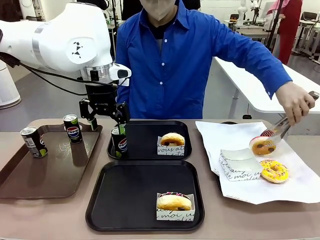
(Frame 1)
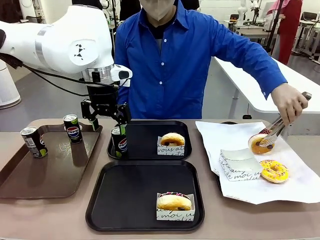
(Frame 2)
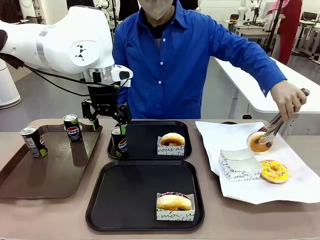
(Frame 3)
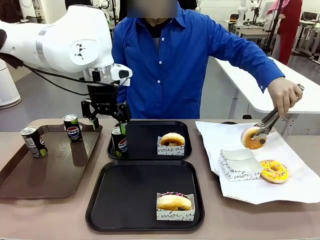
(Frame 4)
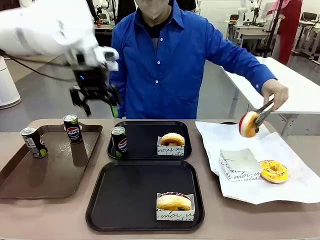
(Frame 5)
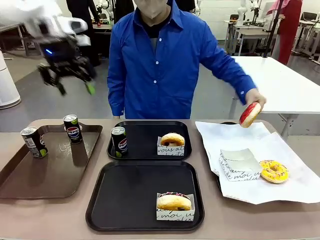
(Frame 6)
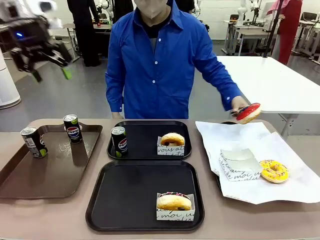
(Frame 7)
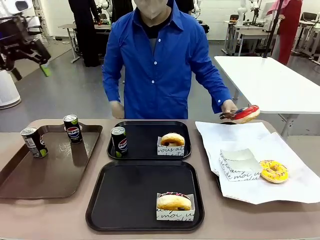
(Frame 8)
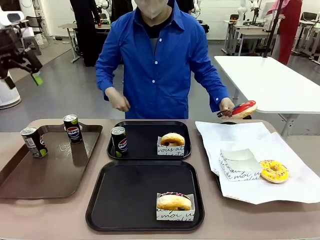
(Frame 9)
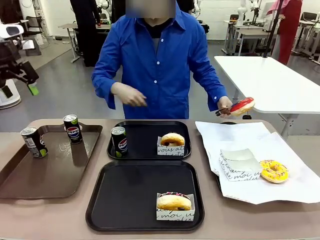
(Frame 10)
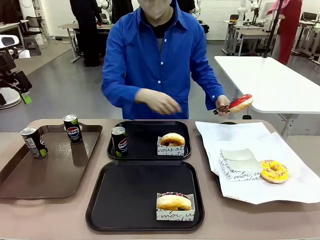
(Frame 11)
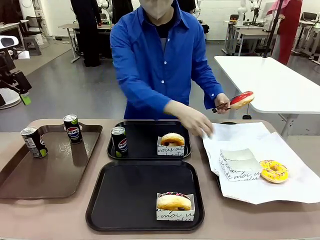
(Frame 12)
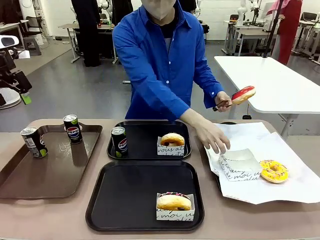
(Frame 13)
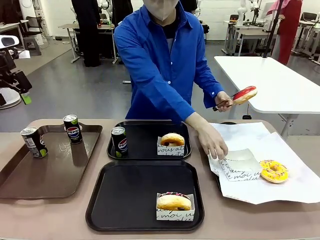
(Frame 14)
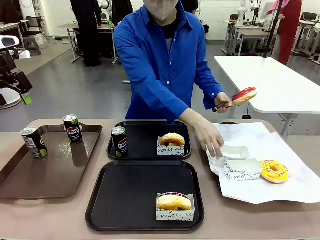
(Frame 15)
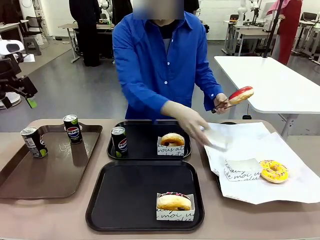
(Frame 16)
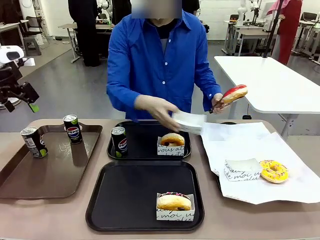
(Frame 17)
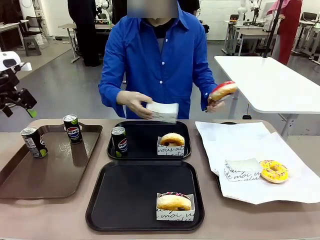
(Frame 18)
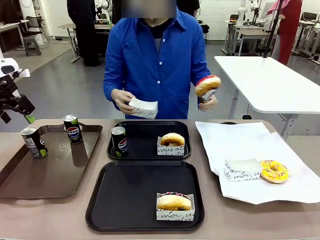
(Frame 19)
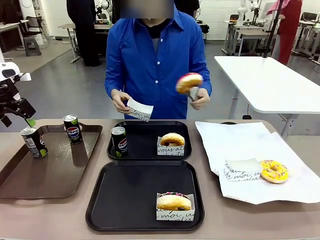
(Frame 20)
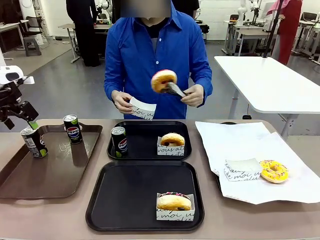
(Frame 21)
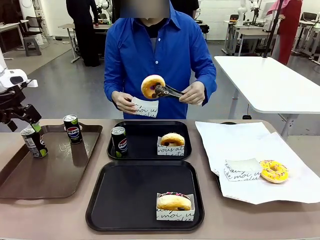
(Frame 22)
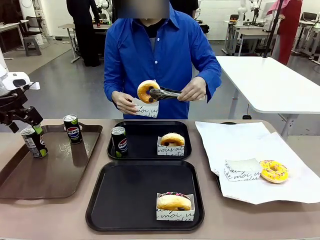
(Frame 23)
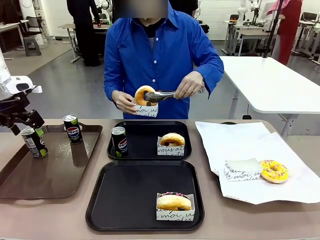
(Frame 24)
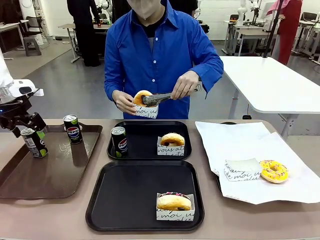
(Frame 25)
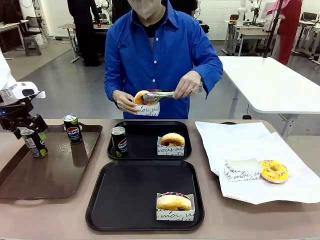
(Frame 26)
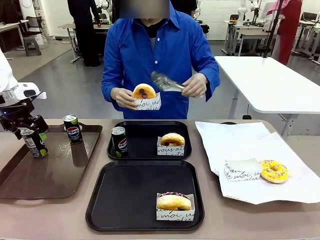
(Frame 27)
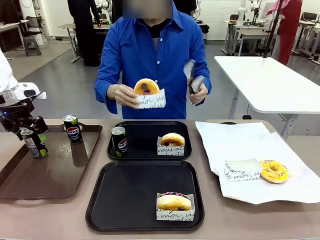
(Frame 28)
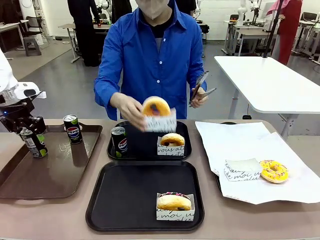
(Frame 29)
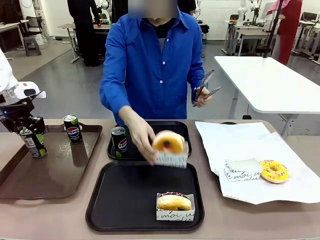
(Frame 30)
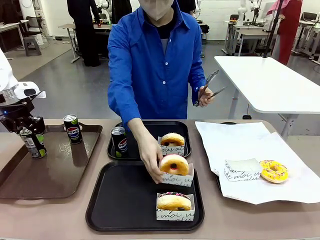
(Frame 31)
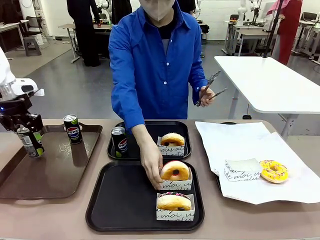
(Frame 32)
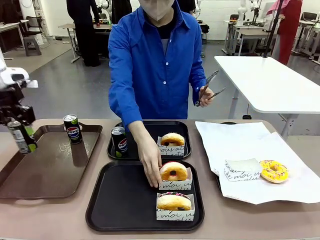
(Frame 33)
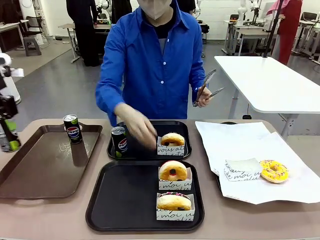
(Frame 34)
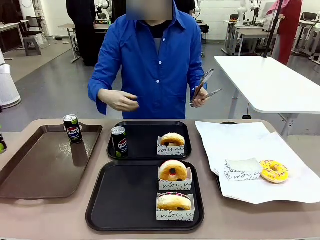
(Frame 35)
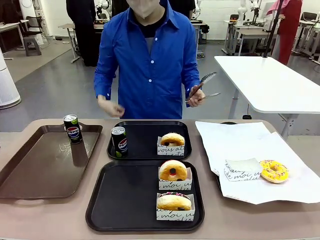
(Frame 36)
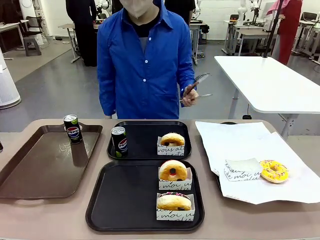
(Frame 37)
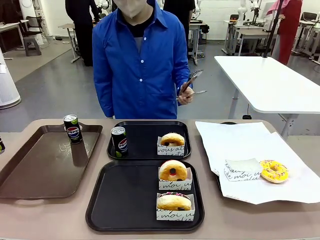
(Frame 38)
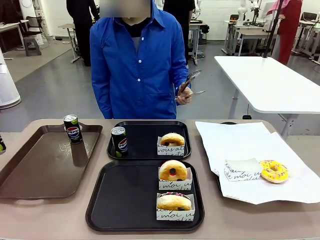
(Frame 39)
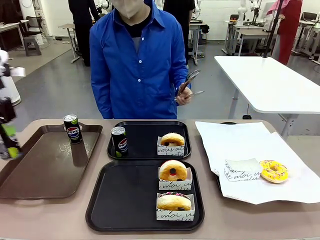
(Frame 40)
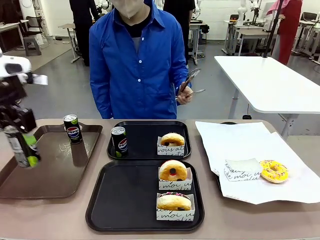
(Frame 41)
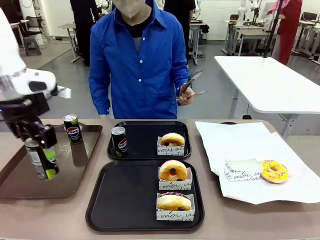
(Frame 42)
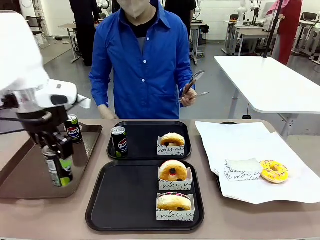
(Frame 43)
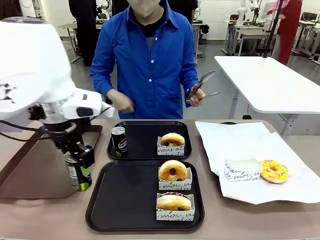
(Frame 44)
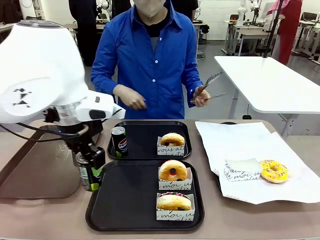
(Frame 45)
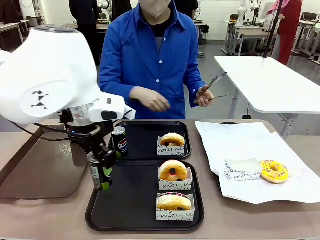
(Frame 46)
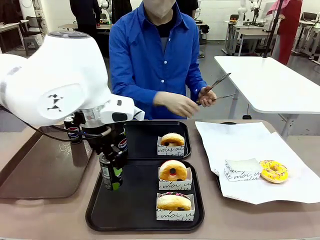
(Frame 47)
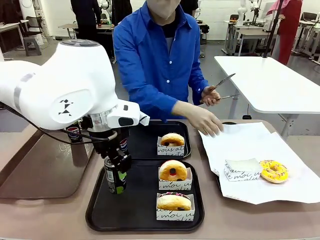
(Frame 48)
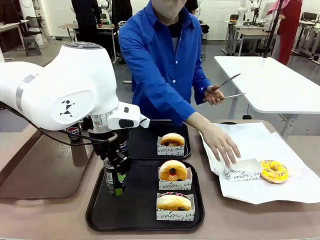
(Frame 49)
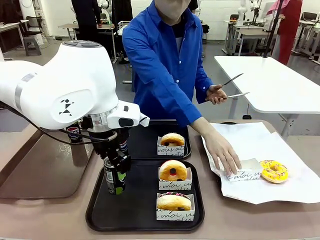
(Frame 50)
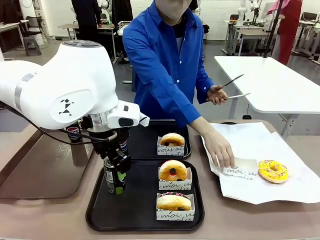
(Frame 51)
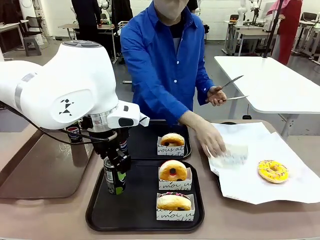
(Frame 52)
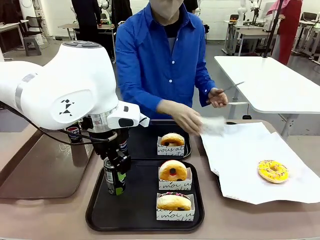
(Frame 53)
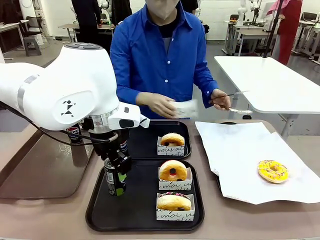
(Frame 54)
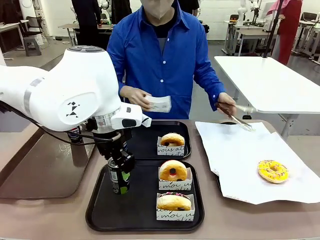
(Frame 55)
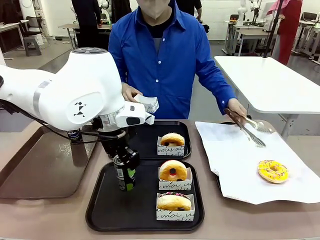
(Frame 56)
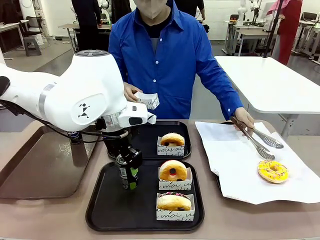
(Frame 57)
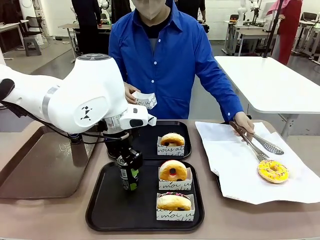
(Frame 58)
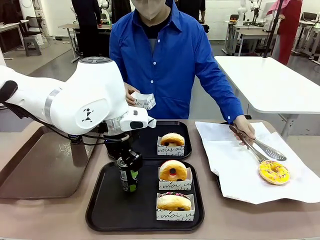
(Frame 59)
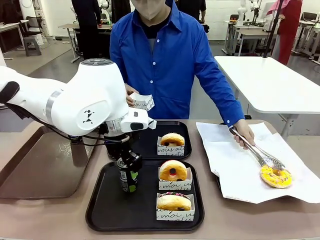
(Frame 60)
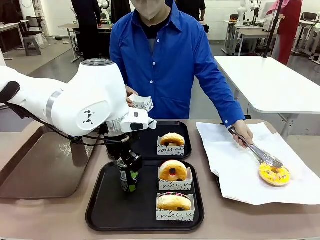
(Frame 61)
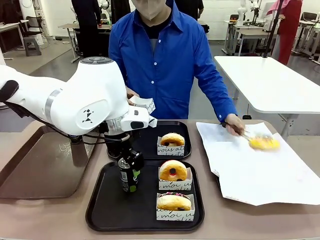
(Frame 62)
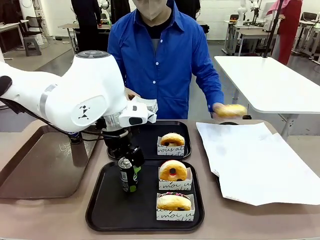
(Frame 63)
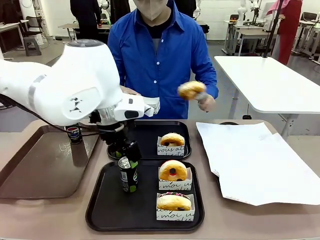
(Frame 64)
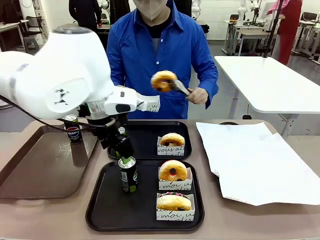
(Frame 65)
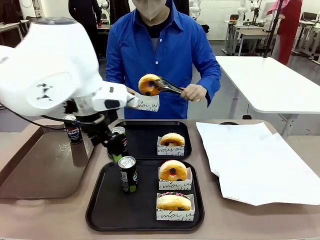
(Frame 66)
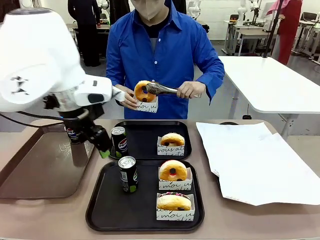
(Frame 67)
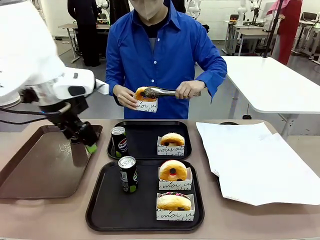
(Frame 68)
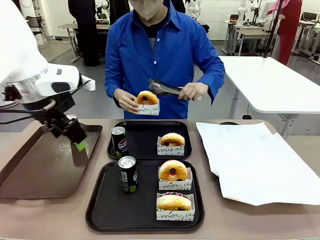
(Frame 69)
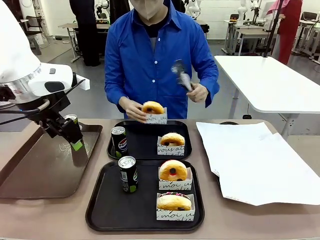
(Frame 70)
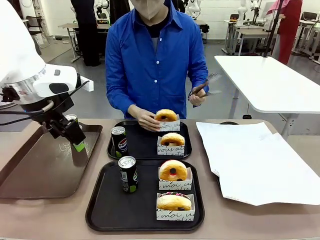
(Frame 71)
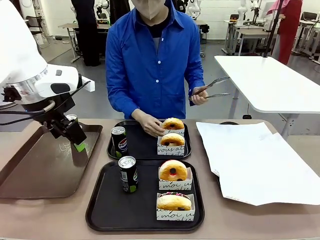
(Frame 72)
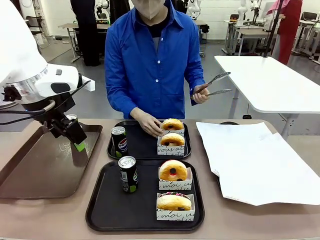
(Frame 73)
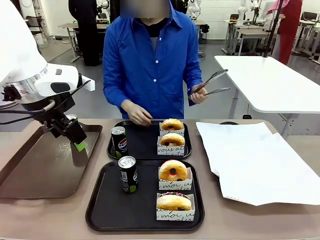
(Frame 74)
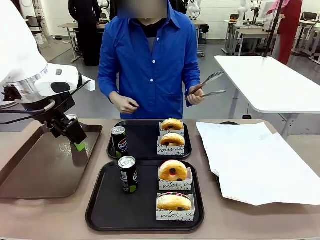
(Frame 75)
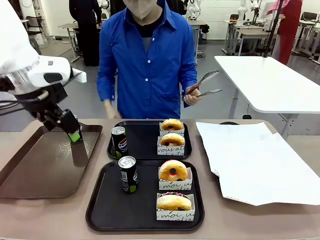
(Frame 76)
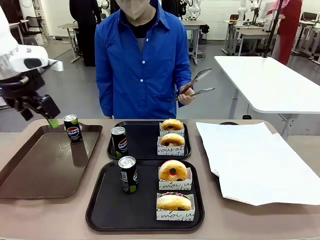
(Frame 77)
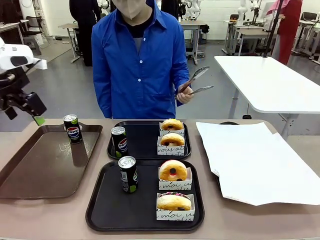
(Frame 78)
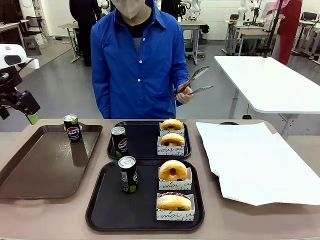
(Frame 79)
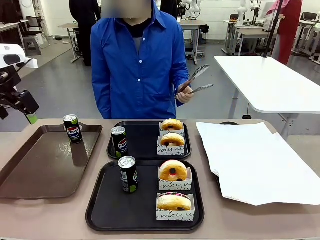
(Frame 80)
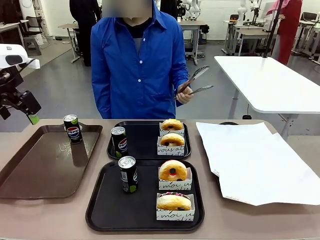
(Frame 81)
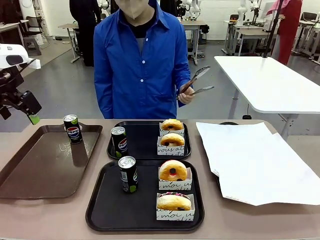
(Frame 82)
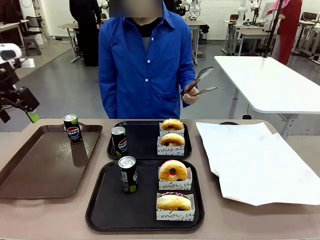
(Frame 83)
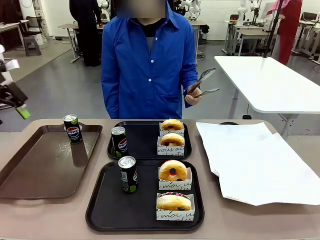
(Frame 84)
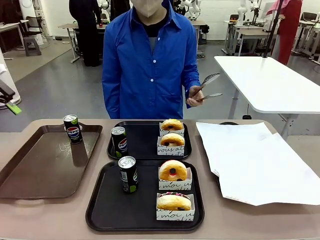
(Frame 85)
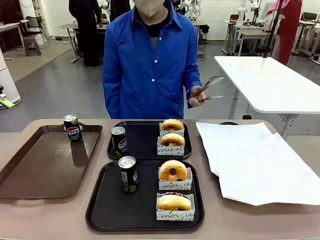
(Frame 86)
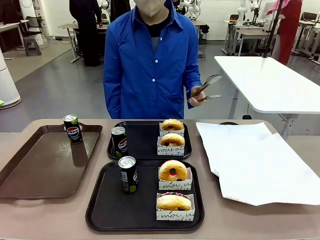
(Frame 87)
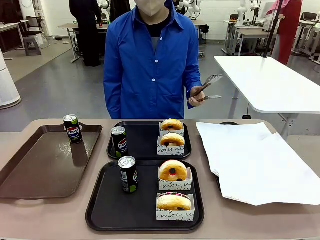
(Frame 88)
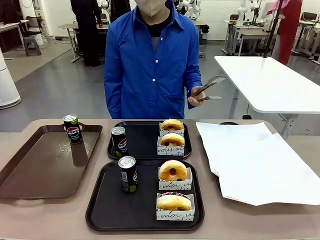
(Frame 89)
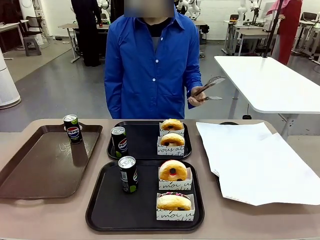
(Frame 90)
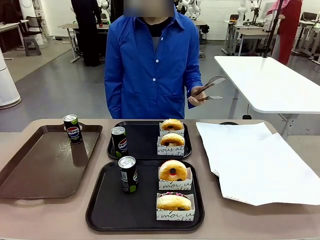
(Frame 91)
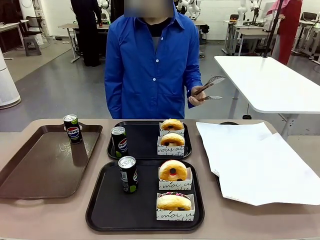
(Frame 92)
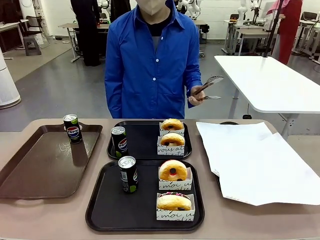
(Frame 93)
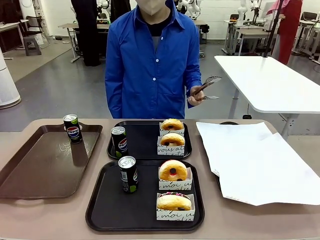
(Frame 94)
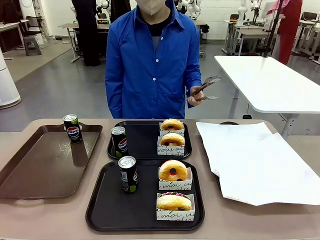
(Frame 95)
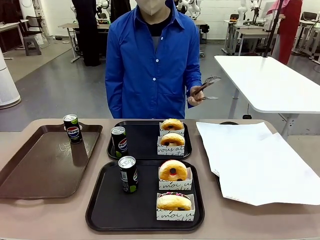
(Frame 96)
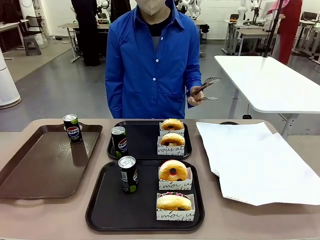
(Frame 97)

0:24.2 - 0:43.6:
Task: Set up donuts and drinks on trays.
Robot: Pick up one Pepsi coke from the Handle tray and place it on the Flat Tray without a Pepsi coke.
